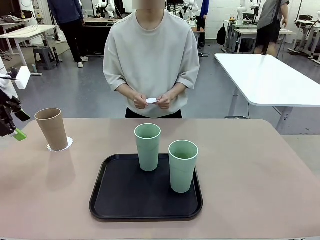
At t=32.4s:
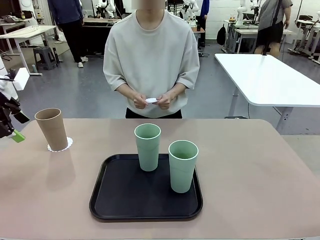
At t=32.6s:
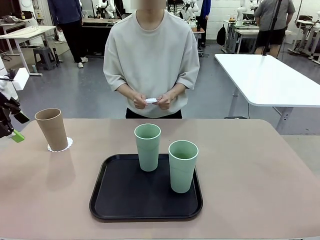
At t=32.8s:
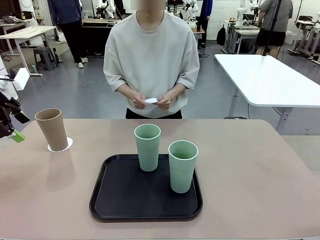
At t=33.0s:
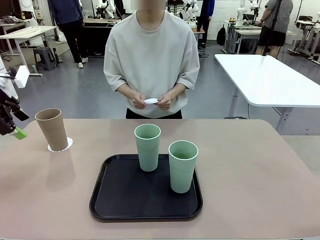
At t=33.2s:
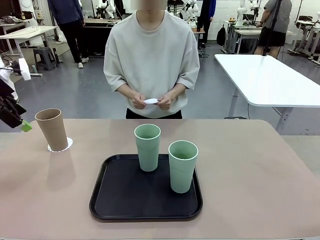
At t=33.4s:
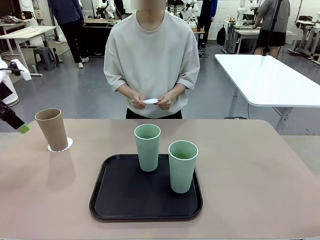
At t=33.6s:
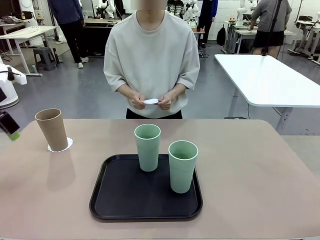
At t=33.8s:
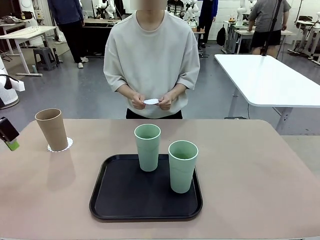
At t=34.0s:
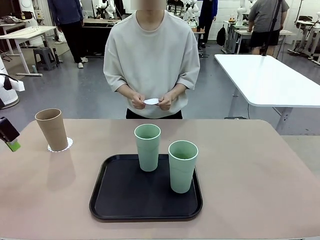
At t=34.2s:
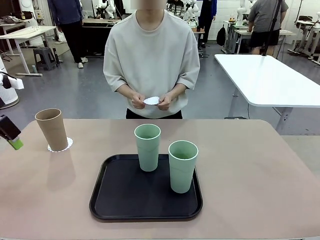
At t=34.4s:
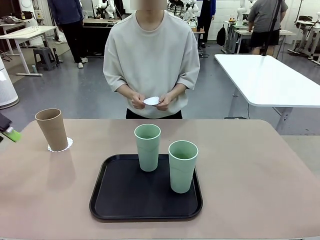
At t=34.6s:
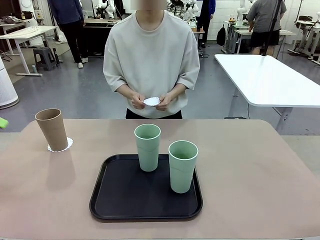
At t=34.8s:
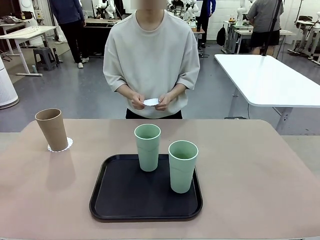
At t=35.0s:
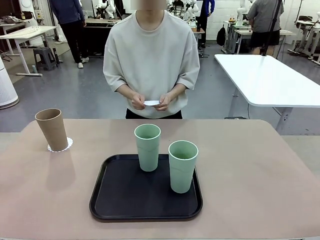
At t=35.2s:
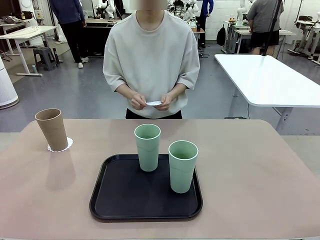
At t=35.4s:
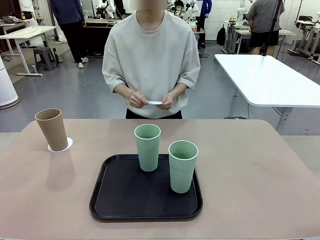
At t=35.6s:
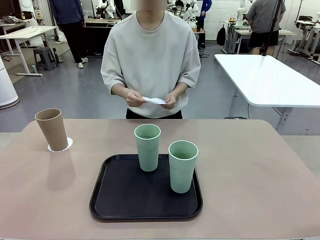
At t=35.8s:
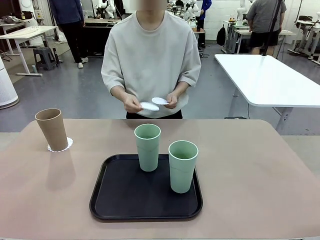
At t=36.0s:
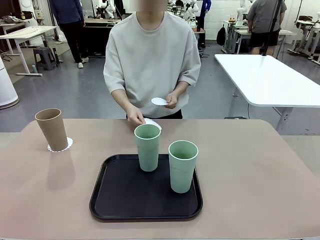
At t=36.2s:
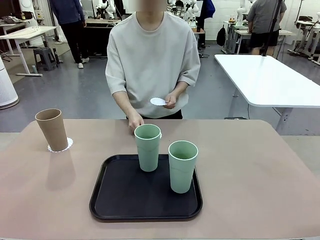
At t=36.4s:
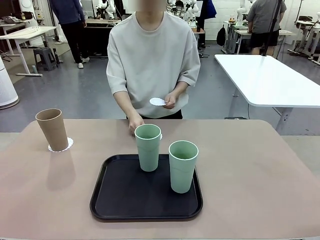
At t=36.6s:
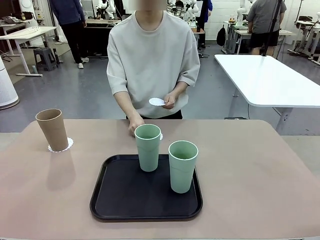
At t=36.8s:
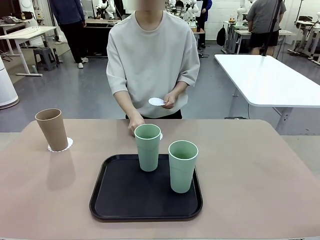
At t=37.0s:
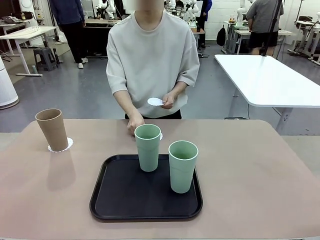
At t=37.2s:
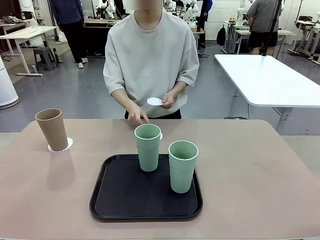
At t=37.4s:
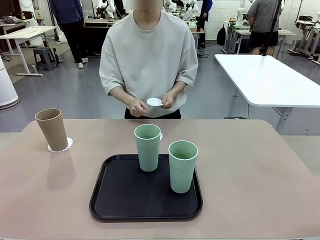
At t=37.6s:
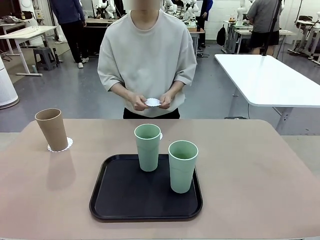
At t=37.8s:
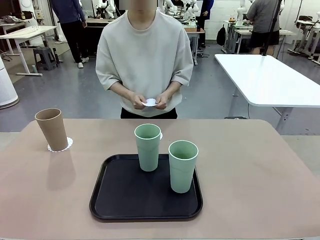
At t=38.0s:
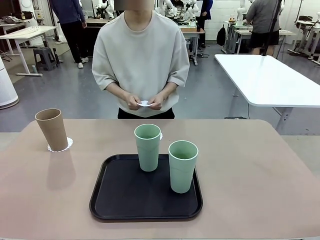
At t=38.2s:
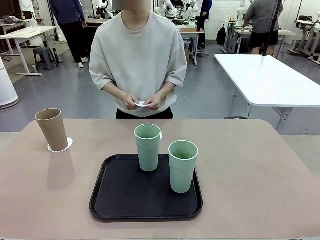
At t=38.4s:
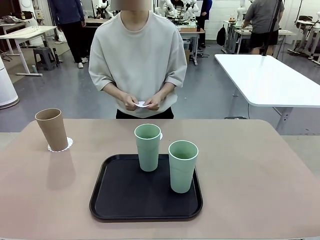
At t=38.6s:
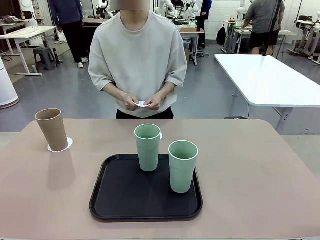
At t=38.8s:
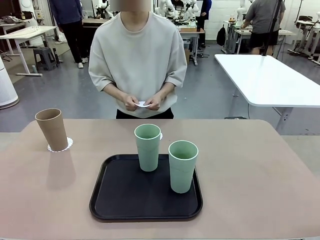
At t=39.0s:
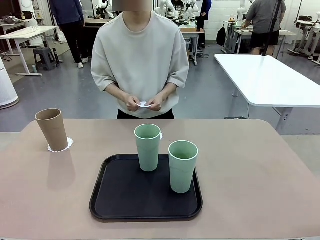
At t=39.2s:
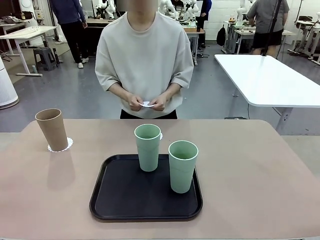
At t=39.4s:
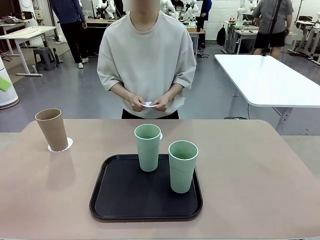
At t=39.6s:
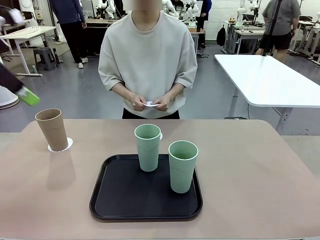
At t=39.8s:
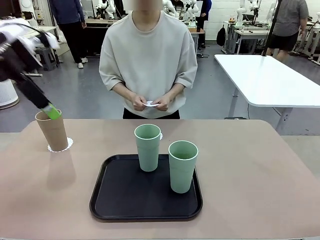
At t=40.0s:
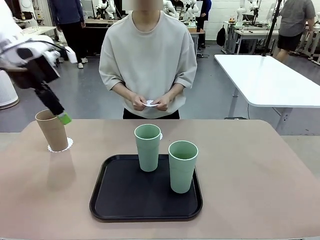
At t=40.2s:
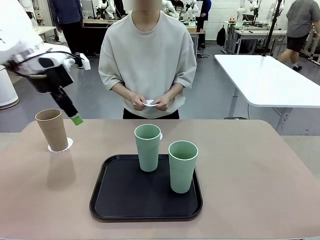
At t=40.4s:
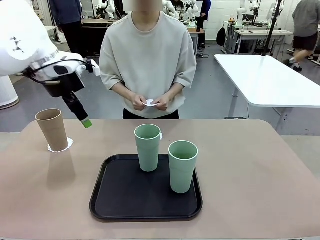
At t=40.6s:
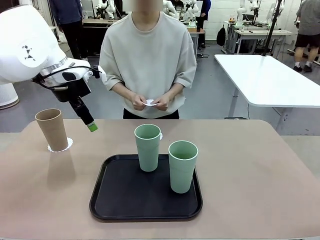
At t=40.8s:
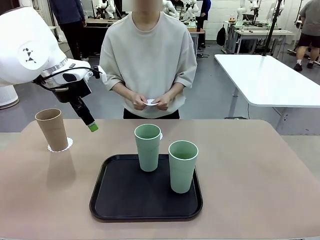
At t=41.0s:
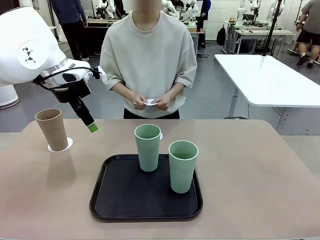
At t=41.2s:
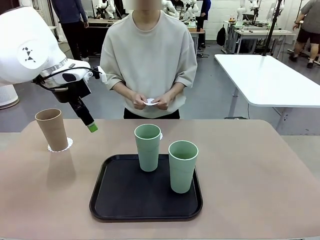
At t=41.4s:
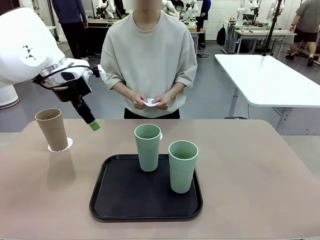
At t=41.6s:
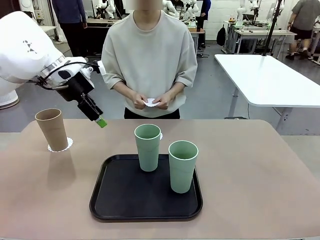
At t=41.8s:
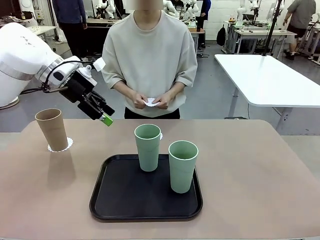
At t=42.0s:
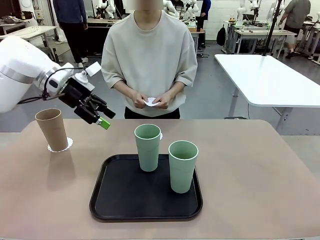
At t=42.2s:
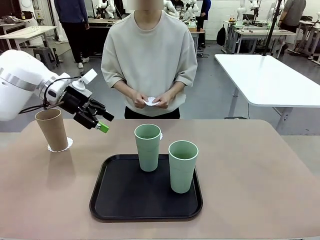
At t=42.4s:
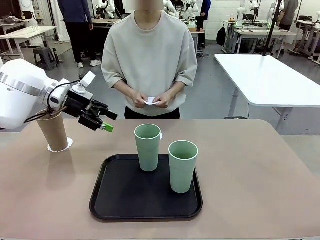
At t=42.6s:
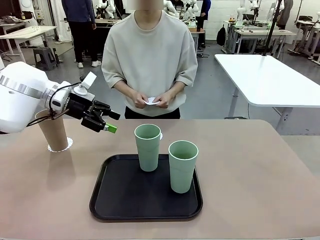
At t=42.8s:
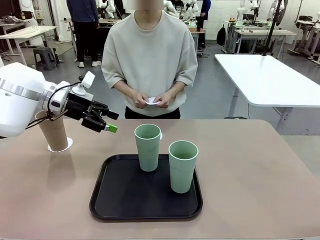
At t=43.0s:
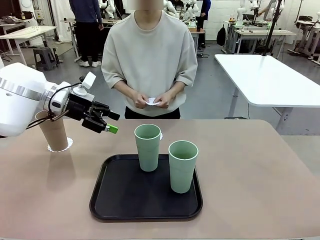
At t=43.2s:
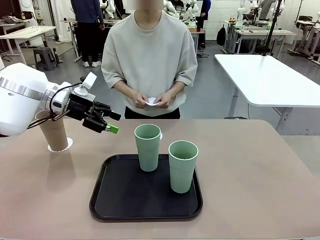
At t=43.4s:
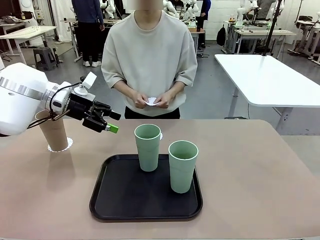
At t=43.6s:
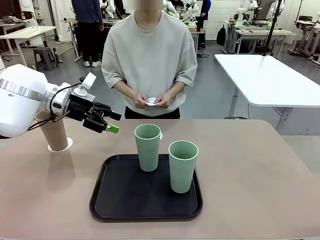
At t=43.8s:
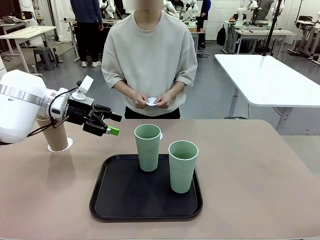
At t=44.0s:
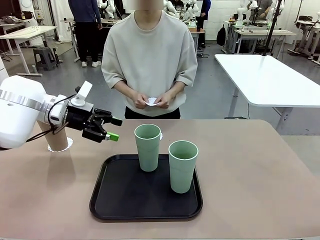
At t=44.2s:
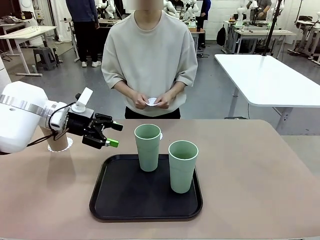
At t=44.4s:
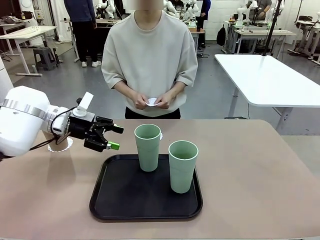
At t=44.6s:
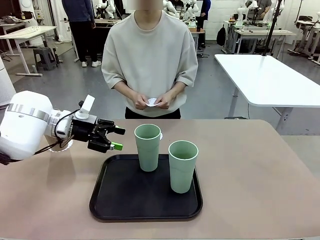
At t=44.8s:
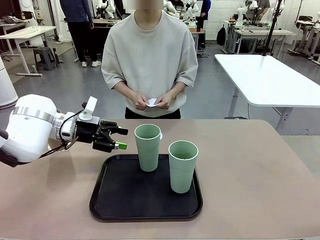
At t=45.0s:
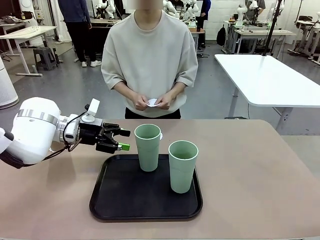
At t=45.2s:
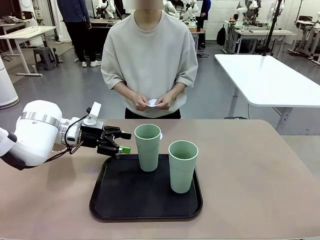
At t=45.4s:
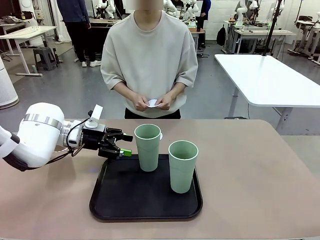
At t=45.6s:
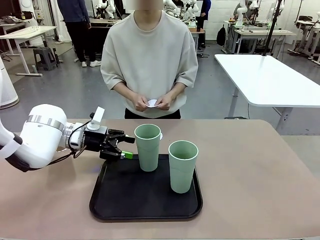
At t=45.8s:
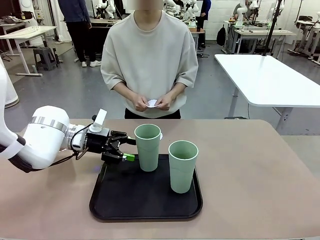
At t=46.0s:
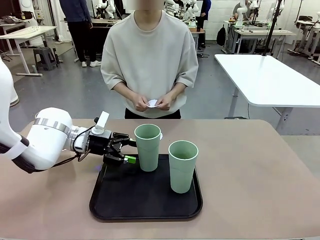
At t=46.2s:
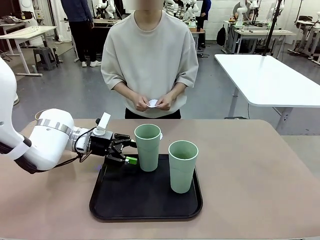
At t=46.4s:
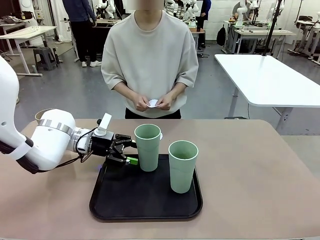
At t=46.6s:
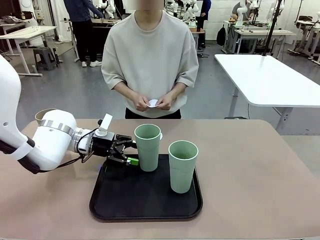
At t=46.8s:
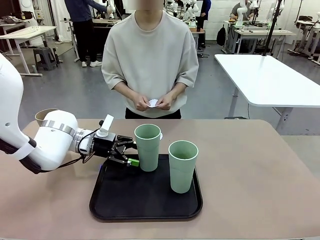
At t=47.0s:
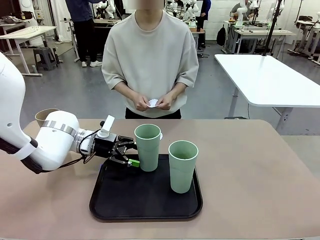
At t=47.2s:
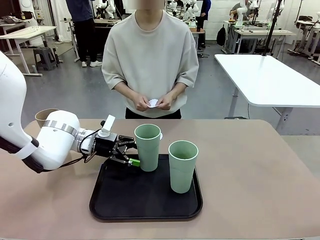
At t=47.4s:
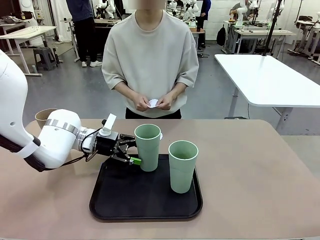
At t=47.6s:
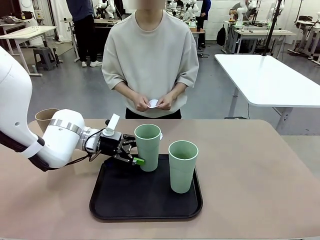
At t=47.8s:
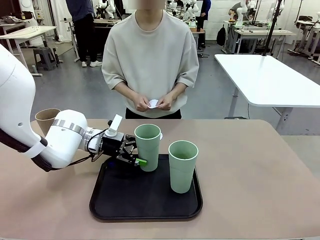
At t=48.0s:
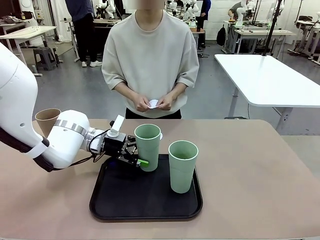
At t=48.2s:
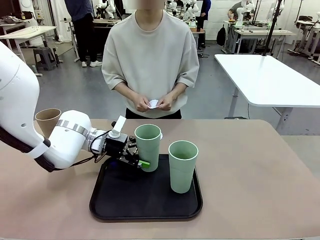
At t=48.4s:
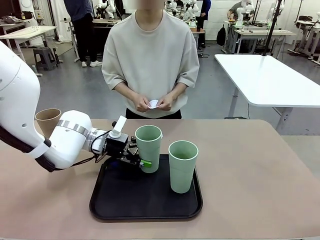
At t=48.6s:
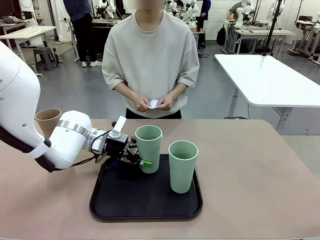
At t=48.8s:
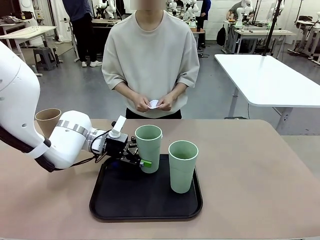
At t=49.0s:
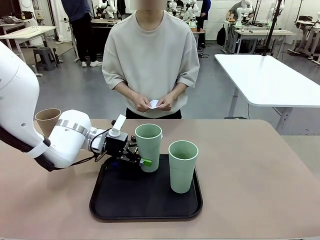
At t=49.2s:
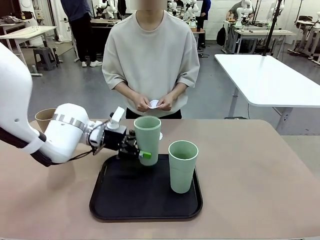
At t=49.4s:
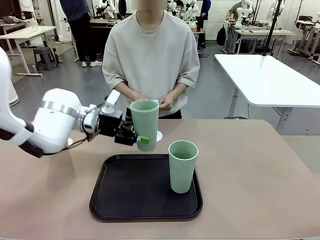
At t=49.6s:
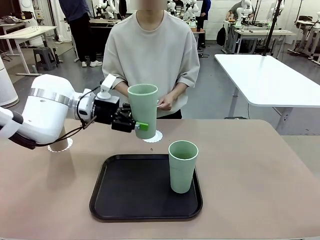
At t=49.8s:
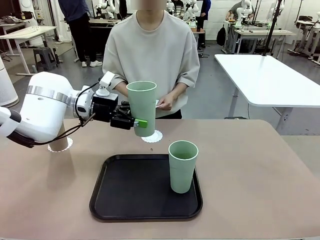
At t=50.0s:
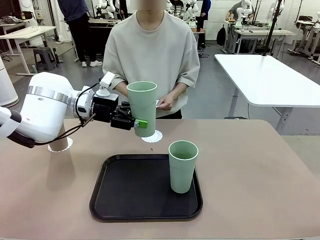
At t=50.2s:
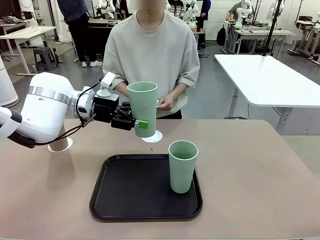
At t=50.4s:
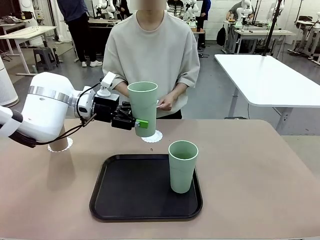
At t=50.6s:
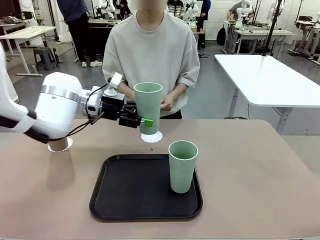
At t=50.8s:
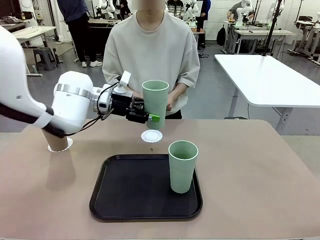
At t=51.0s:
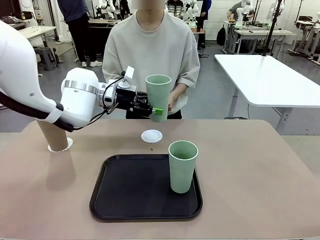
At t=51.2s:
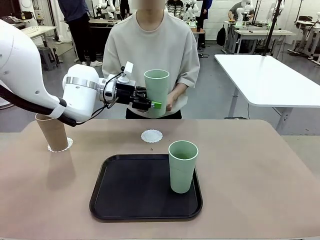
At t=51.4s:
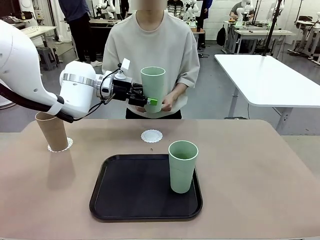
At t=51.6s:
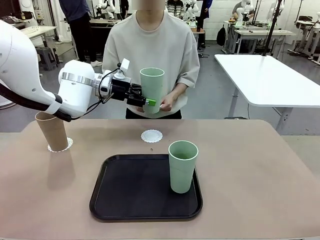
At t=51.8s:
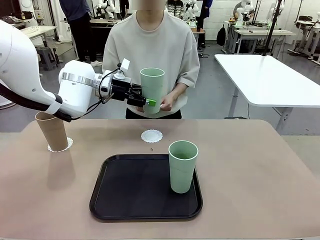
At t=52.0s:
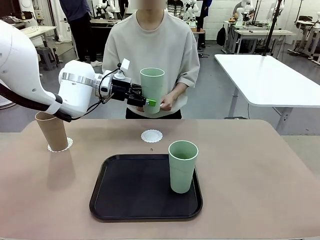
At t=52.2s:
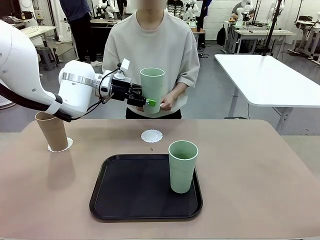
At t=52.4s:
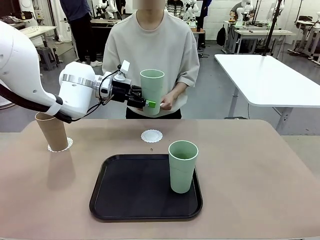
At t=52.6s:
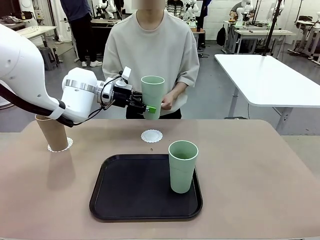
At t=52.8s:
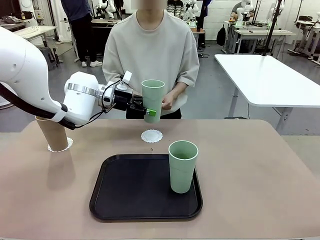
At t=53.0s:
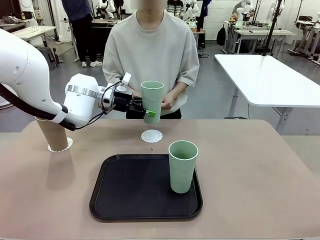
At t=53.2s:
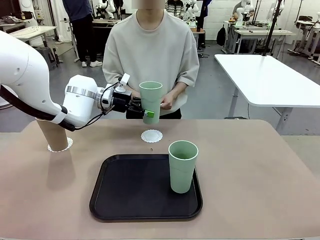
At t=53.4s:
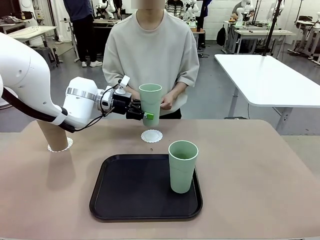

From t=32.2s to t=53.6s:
Task: Place coasters on the table and set cups on them.
Robot: Take one Reusable plastic cup from the Flat Tray and place it on a coaster set by the human.
